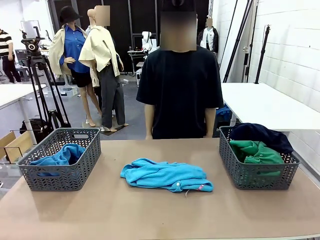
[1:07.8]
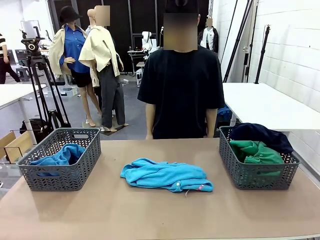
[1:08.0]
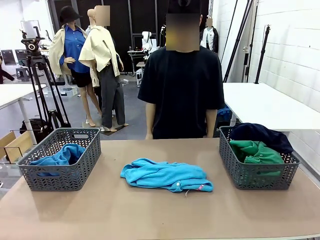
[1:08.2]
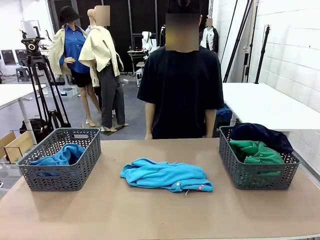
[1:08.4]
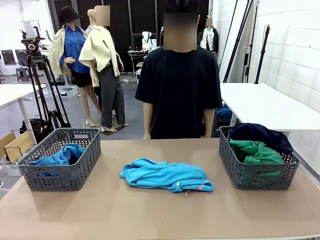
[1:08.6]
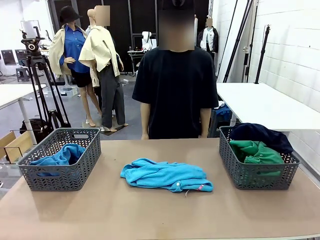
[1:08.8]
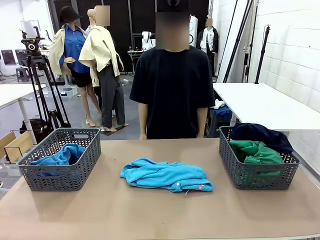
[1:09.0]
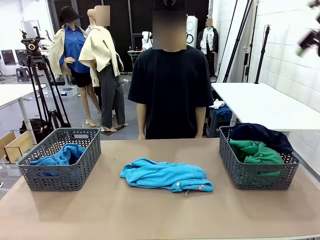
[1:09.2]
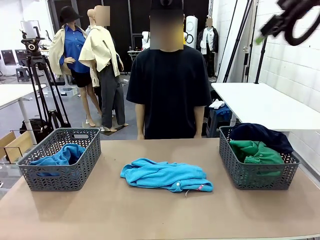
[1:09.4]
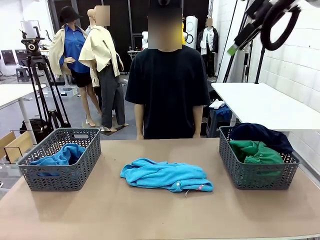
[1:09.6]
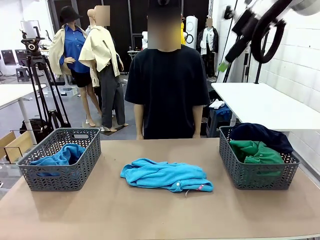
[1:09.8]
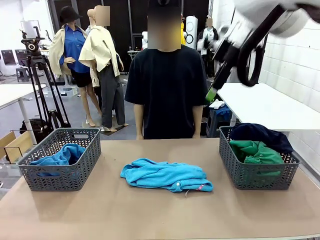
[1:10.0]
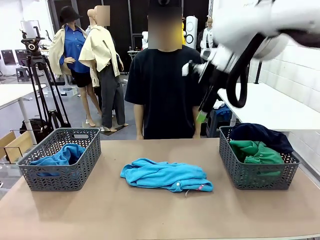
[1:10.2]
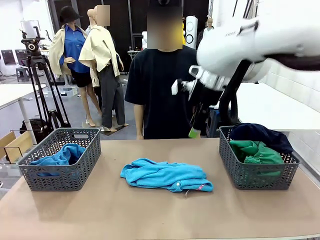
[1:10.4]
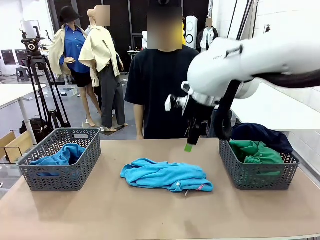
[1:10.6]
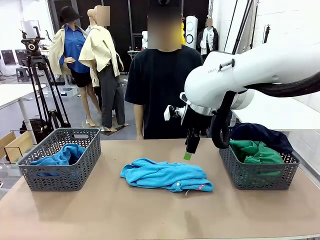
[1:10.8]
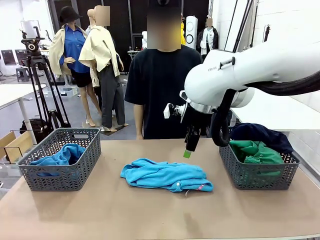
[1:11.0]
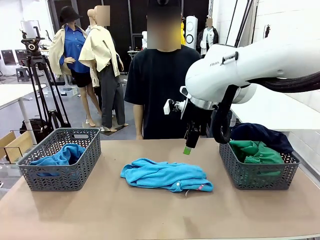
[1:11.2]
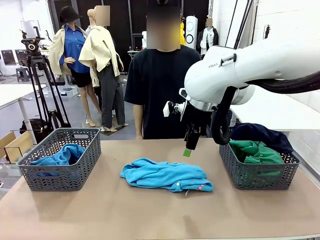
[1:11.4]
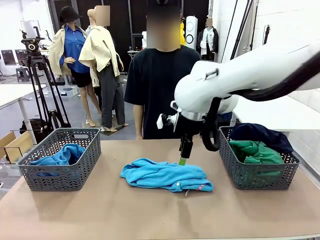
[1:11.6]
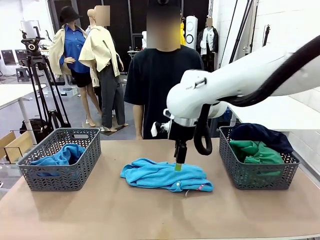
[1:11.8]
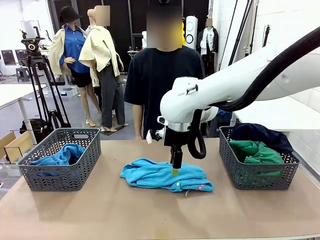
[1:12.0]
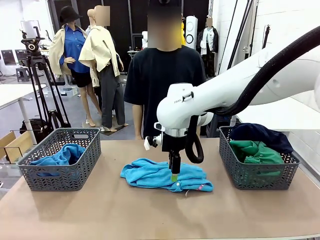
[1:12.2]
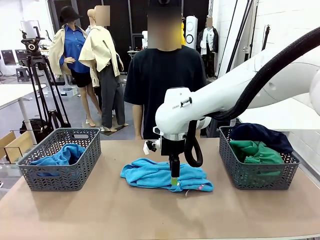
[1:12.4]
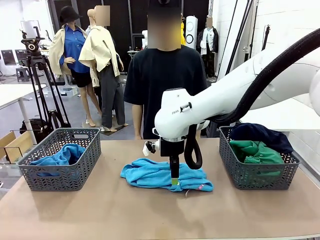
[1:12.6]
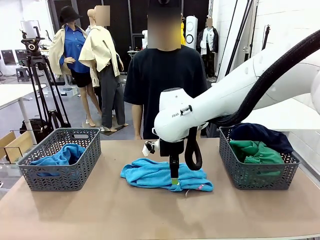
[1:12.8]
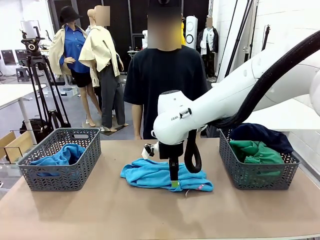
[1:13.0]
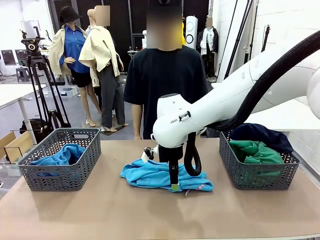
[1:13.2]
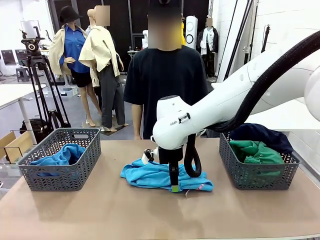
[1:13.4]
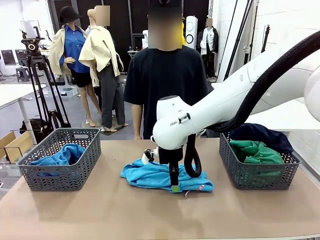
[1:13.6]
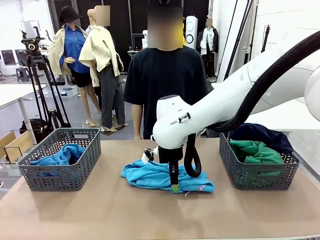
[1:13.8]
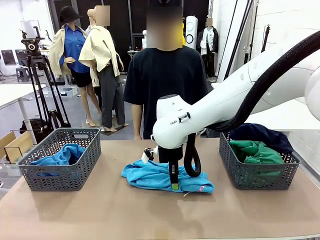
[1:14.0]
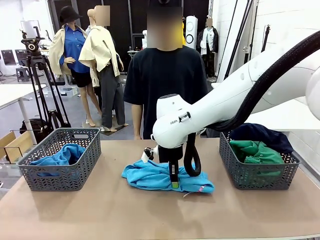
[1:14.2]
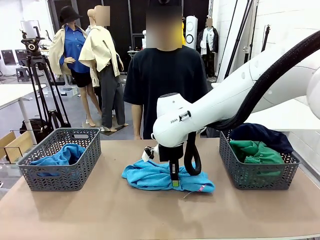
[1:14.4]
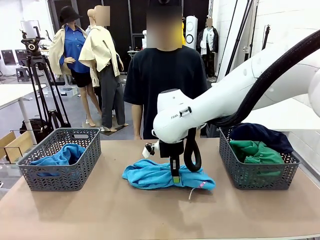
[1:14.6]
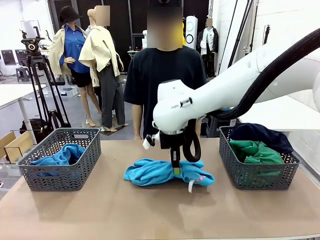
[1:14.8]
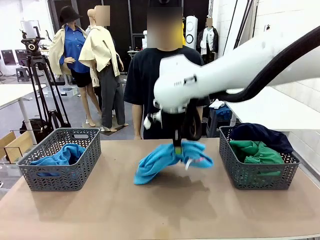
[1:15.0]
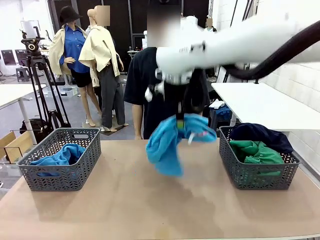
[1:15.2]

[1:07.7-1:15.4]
Task: Sort the tops and bottoms.
Robot: Lift clothes from the center of the table with your right hand.

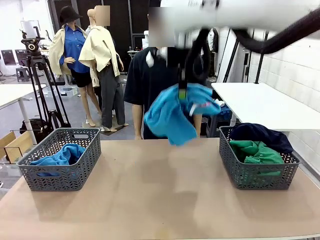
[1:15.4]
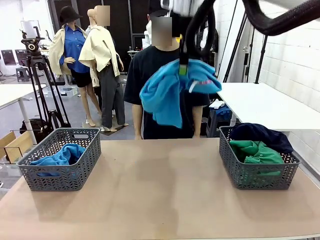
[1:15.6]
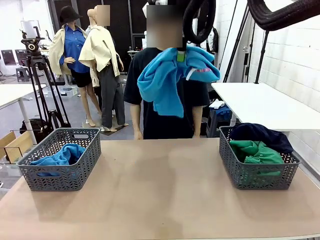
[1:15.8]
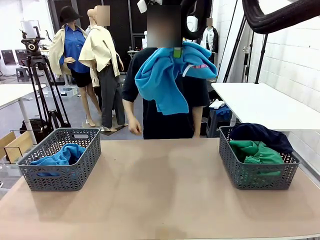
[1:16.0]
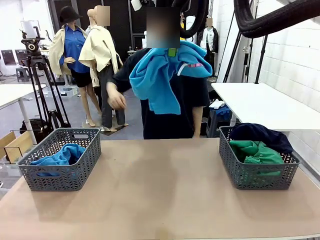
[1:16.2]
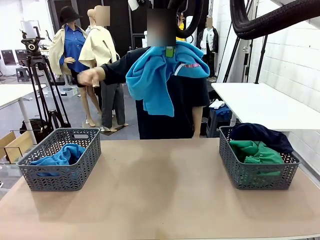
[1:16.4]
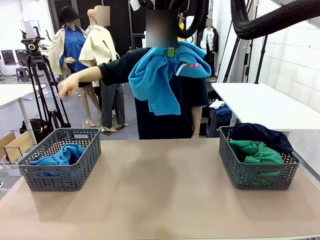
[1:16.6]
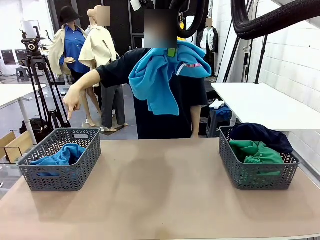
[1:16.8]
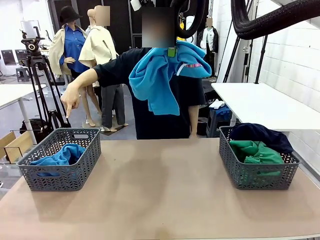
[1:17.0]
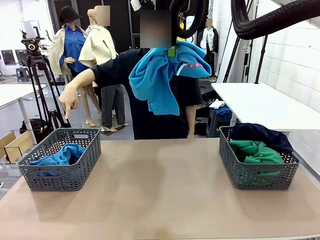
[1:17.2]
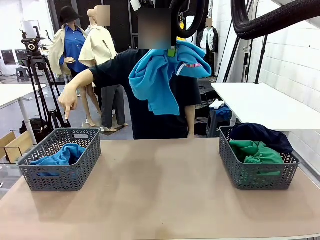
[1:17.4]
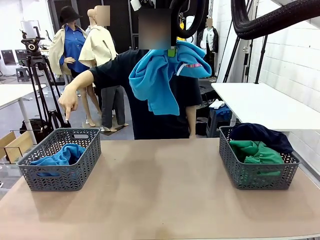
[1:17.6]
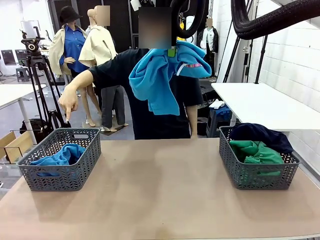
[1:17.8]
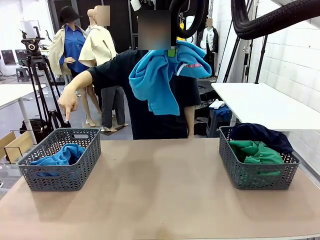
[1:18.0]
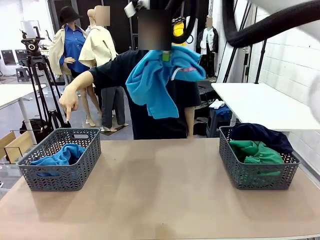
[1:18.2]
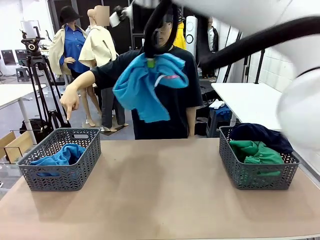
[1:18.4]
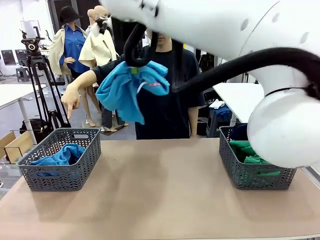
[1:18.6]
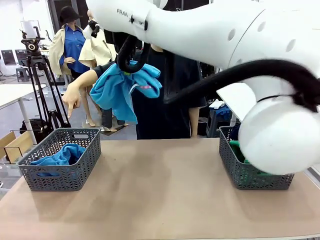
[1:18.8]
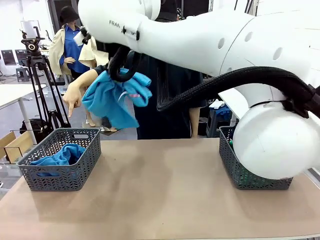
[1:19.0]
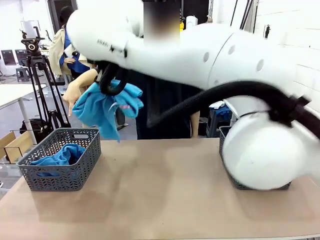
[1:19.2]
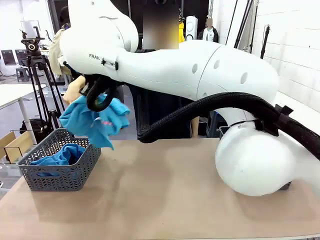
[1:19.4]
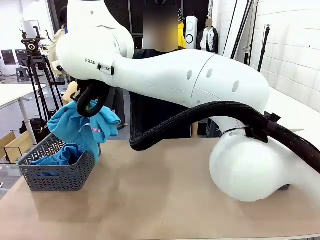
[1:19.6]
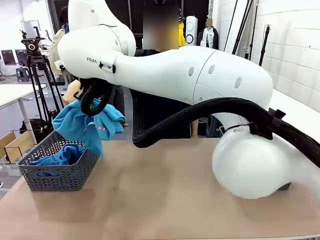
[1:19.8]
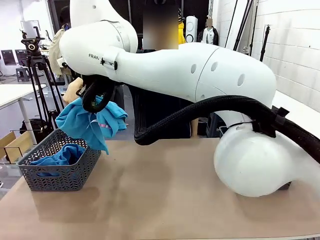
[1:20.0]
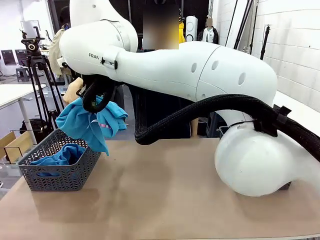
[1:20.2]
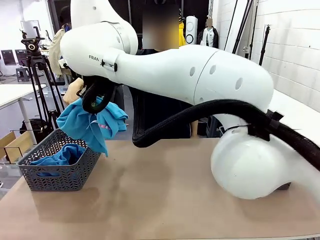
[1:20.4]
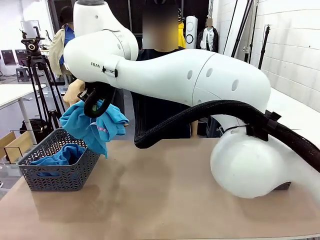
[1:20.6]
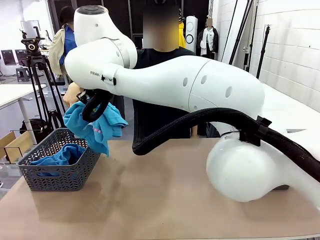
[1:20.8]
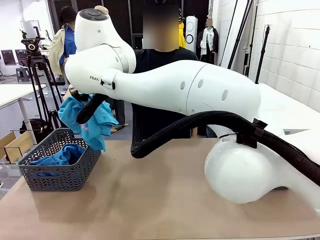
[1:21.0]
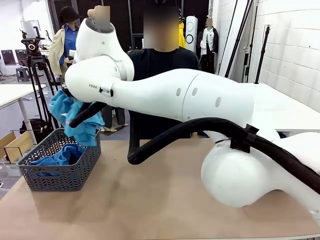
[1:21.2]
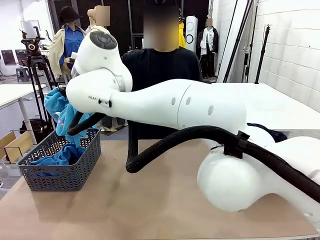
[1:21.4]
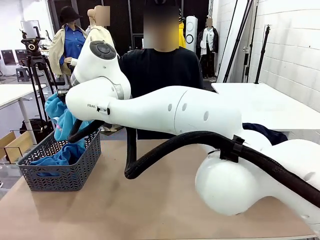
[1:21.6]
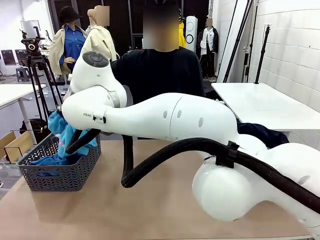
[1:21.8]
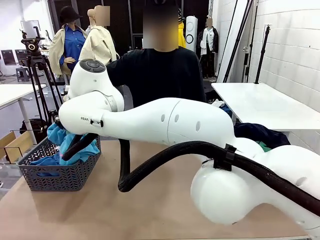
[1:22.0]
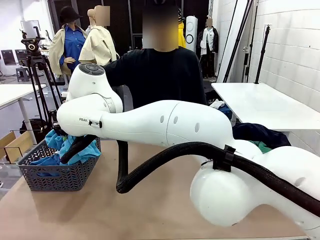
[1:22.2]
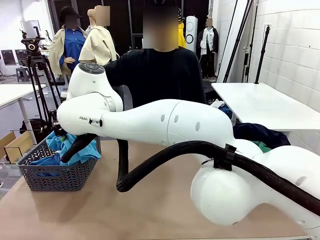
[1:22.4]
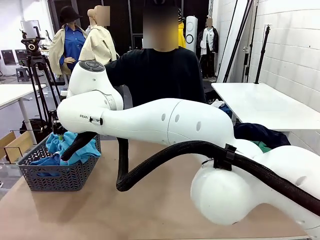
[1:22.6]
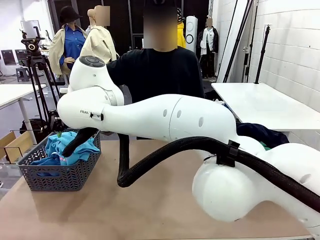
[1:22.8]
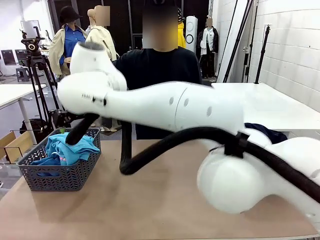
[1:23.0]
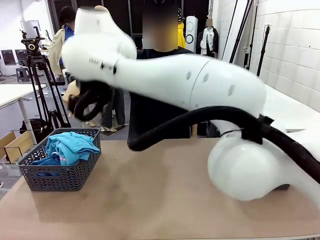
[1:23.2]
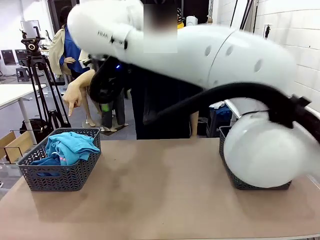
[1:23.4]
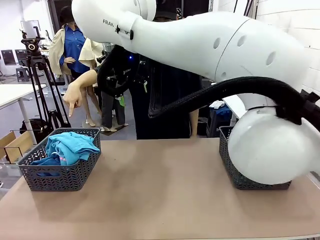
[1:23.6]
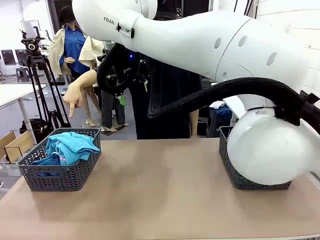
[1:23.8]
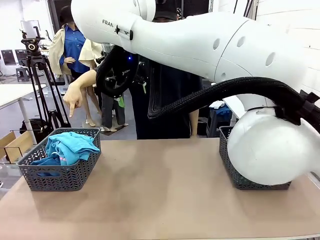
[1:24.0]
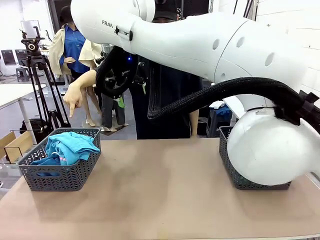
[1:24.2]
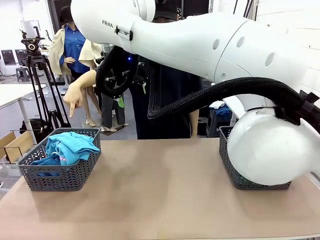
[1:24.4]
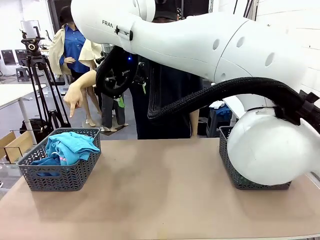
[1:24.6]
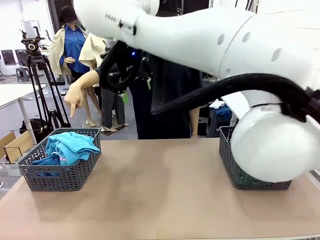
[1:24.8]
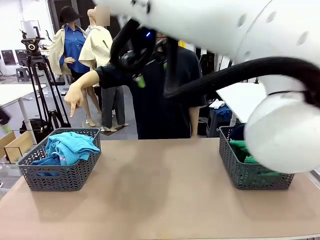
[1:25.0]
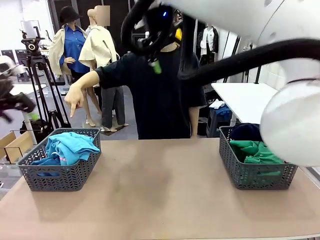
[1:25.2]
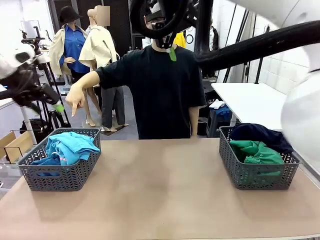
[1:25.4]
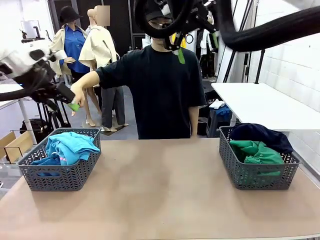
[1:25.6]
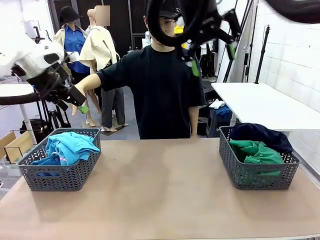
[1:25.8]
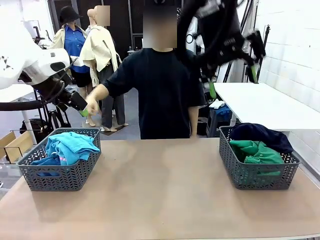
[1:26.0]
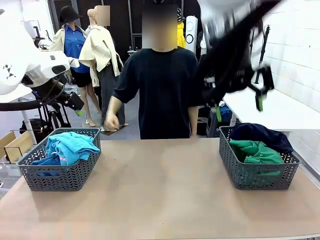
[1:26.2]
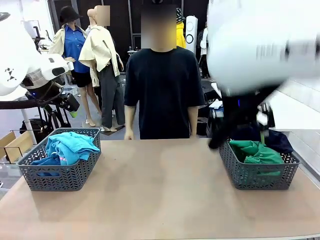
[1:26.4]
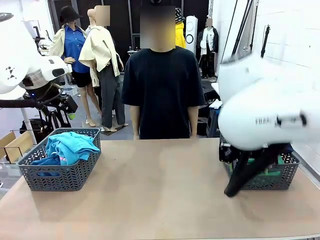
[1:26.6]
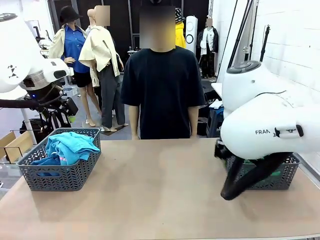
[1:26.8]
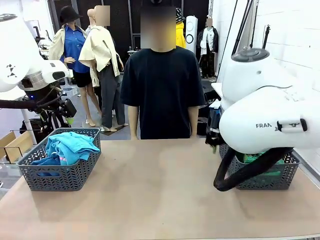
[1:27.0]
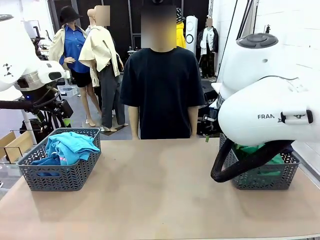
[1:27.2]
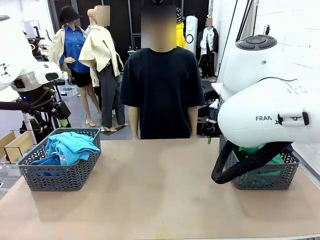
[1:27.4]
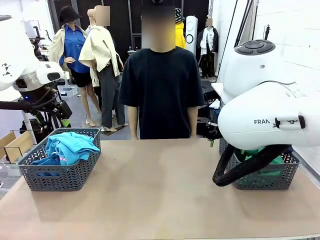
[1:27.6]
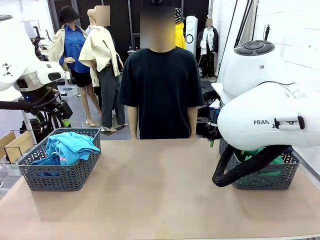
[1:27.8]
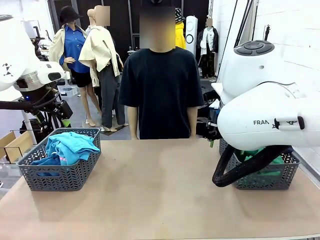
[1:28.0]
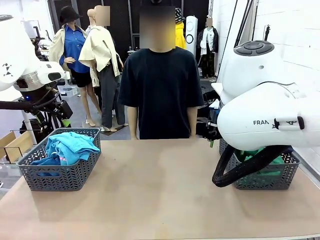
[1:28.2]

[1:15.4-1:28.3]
Robot: Sort the clothes according to human instructions.
